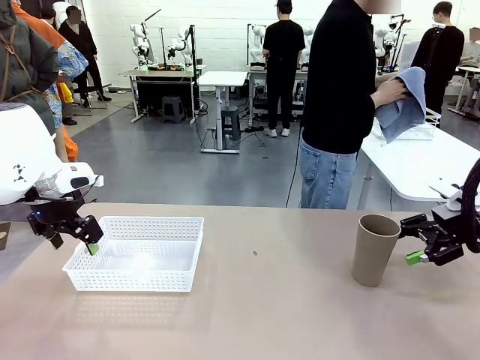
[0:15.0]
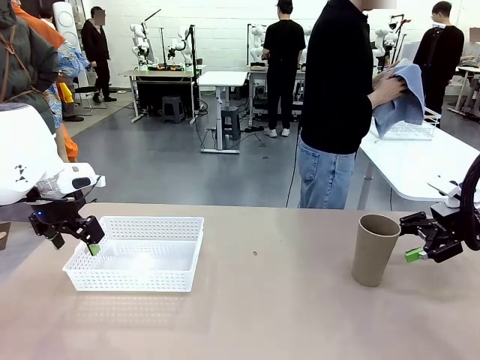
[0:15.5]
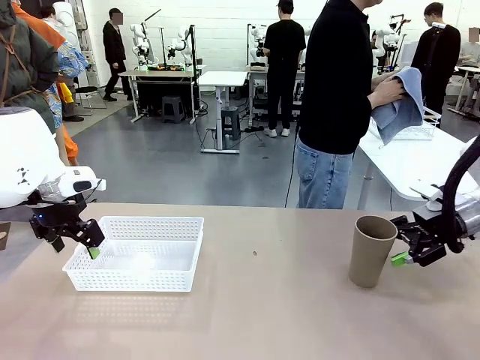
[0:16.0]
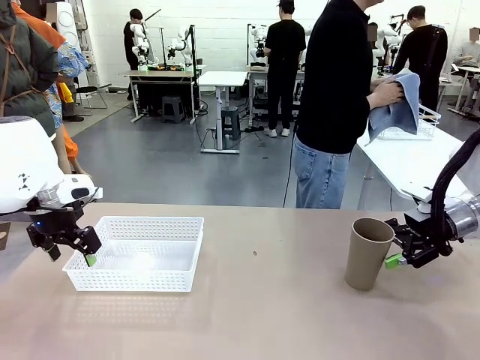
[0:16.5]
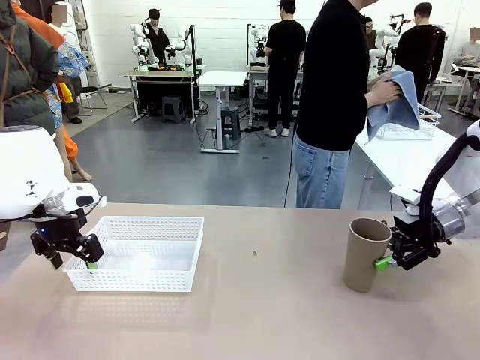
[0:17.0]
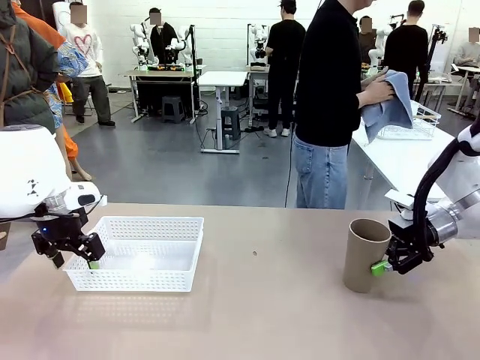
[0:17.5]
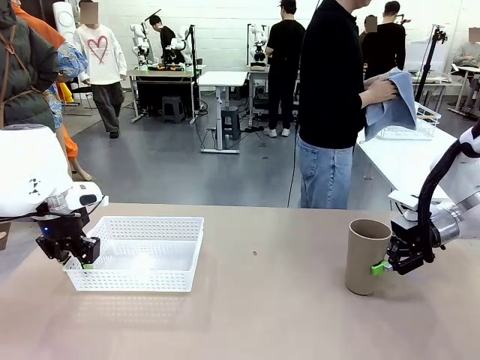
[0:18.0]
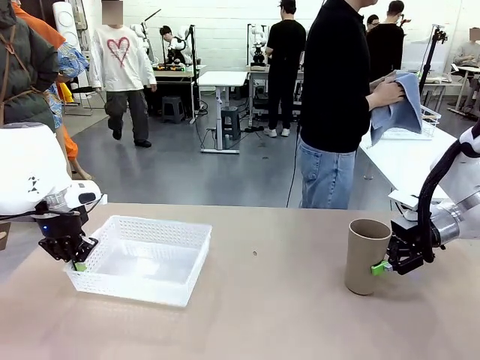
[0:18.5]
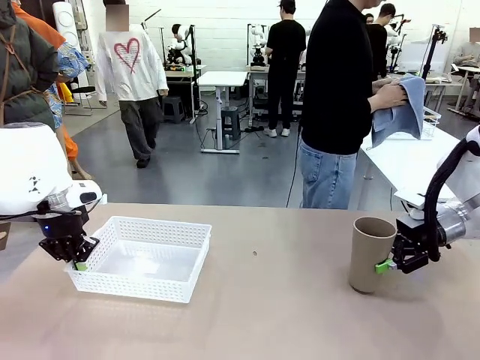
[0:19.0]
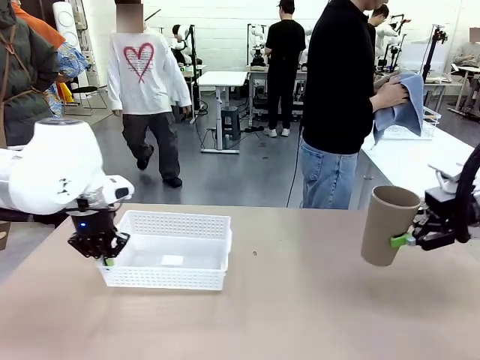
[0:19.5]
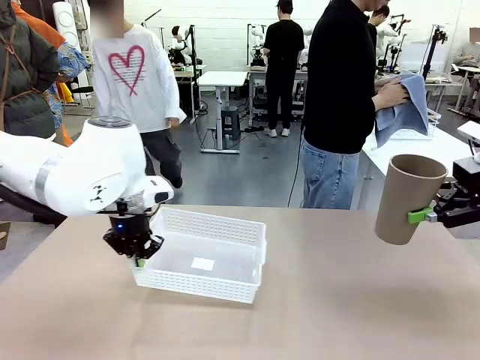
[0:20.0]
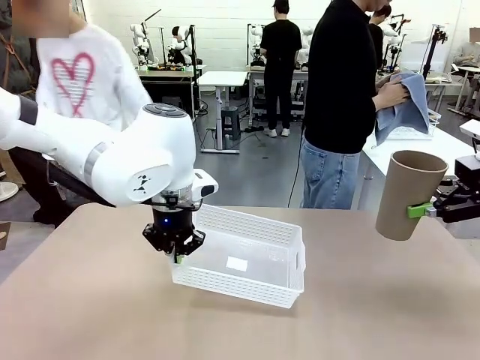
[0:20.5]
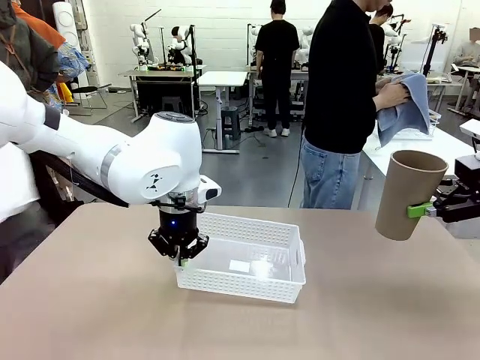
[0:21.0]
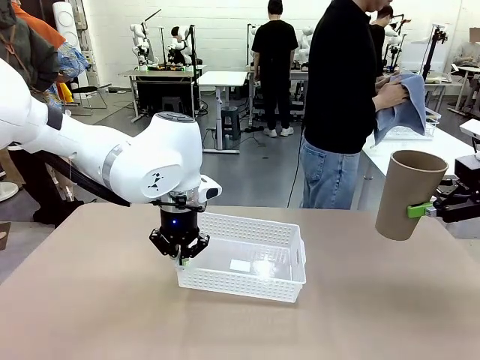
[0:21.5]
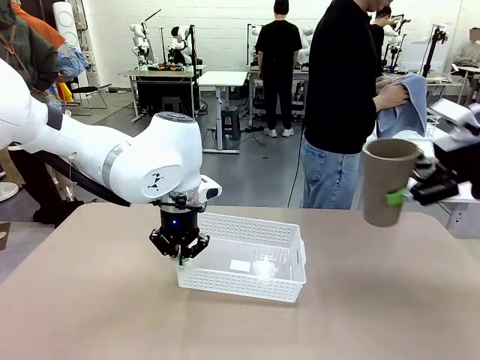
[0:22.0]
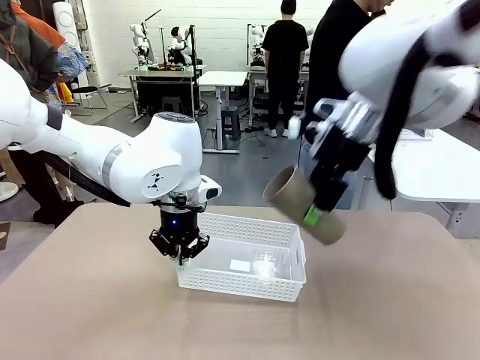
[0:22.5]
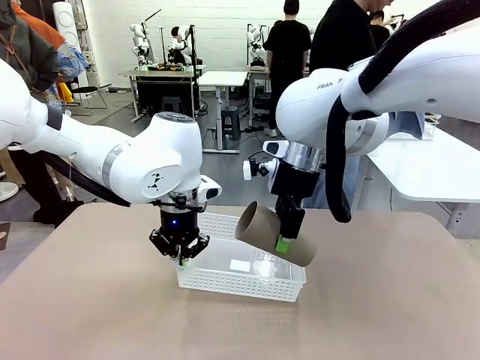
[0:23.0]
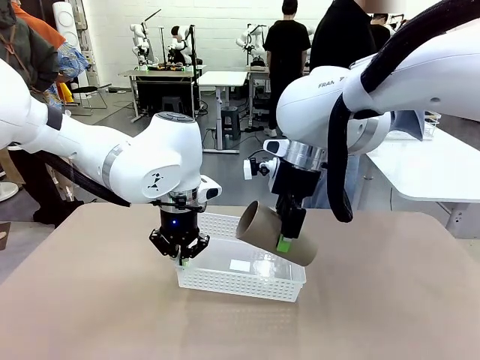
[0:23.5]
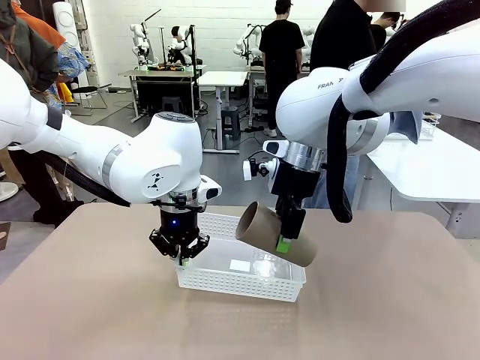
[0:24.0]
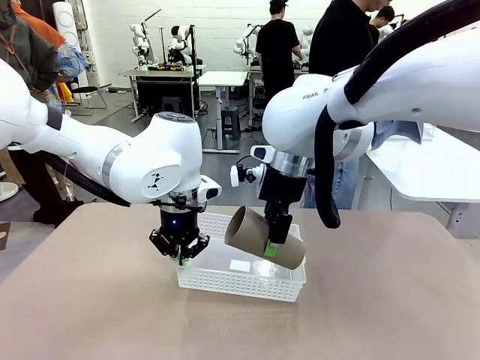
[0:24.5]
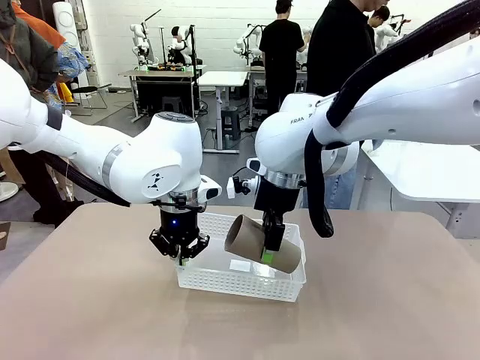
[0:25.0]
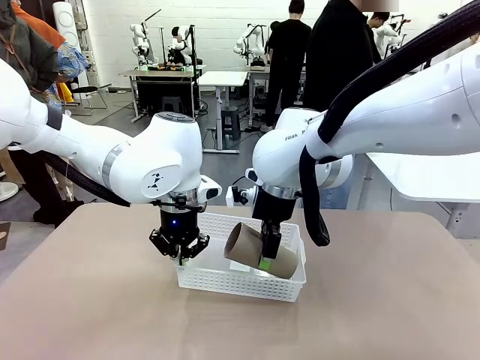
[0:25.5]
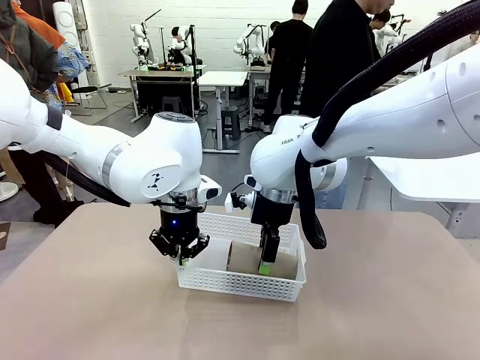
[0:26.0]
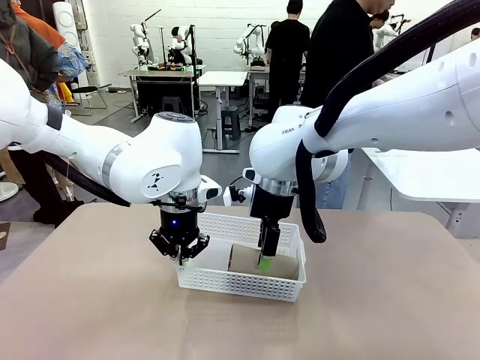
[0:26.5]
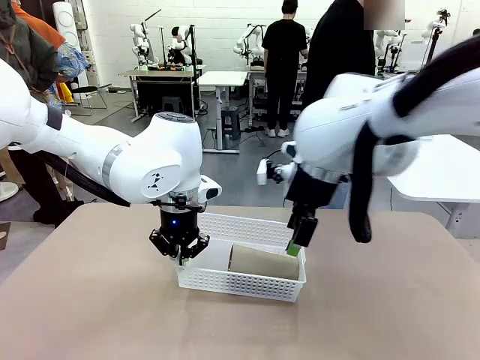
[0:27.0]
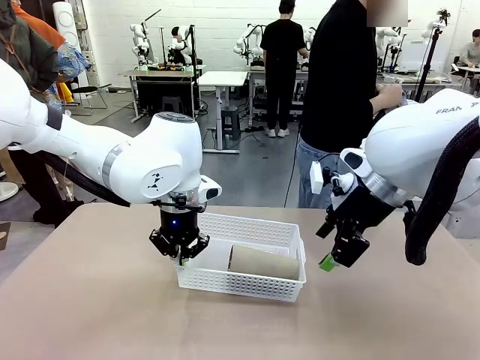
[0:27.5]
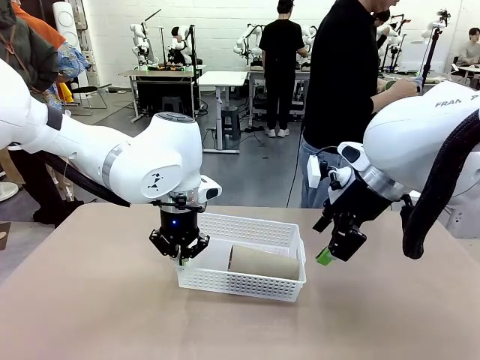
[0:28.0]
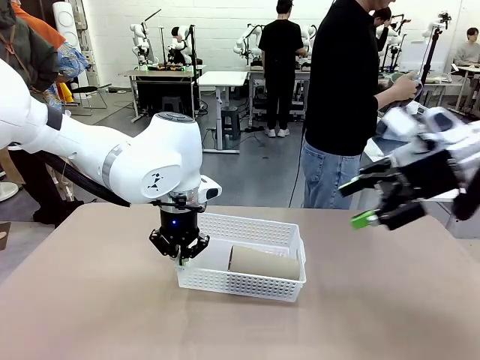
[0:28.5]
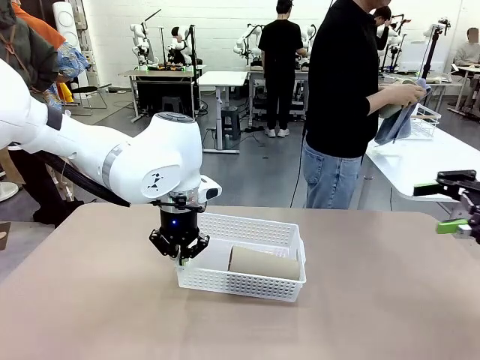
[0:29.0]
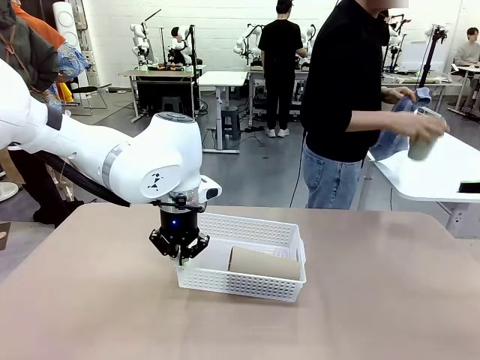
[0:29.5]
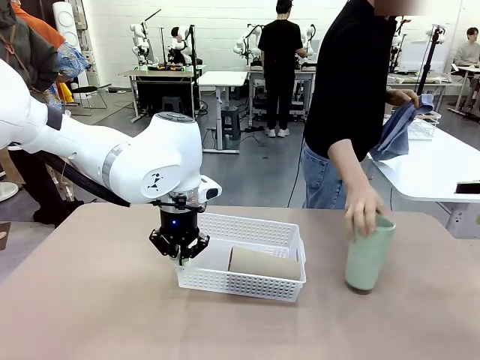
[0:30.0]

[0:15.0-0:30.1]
Task: Clean and organize the cups into the basket.
Robot: Pick up the Organizing basket and move it to the center of the table, then pick up the Reusable plastic cup from the right side of the table and place it inside the Organizing basket.
